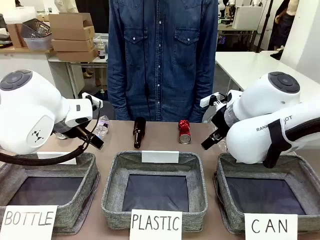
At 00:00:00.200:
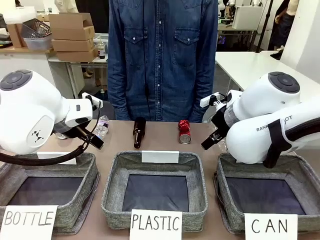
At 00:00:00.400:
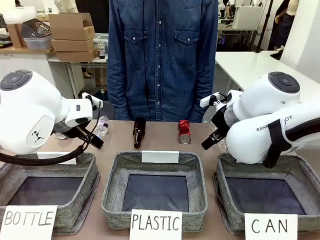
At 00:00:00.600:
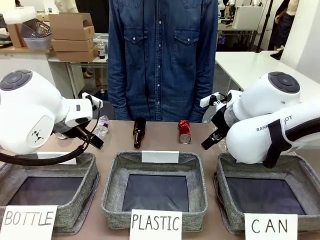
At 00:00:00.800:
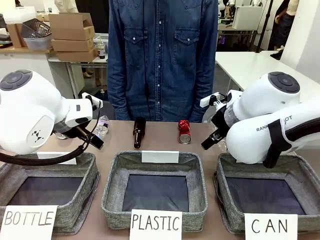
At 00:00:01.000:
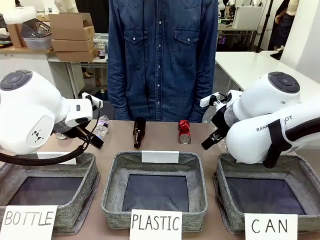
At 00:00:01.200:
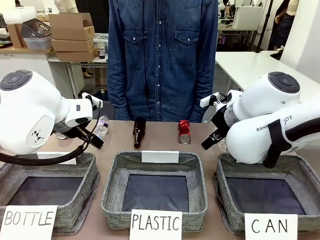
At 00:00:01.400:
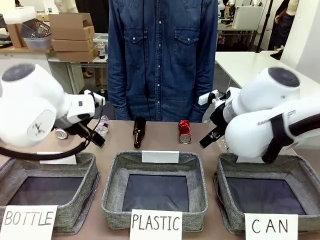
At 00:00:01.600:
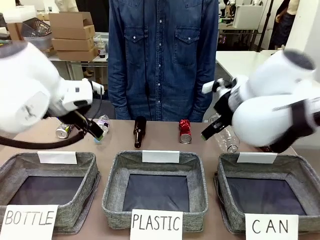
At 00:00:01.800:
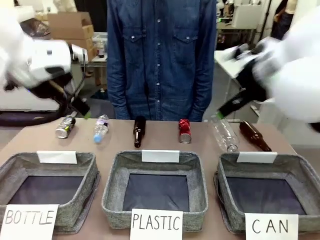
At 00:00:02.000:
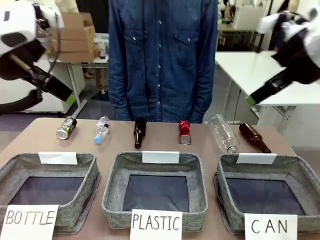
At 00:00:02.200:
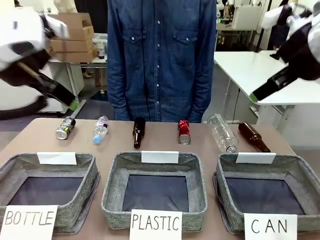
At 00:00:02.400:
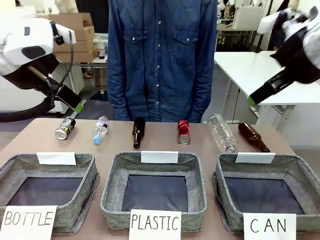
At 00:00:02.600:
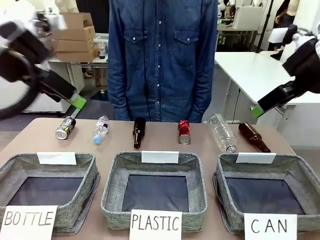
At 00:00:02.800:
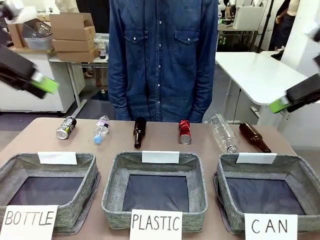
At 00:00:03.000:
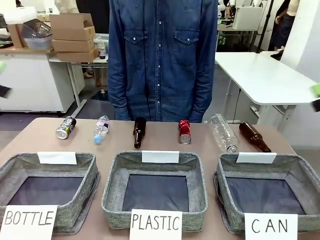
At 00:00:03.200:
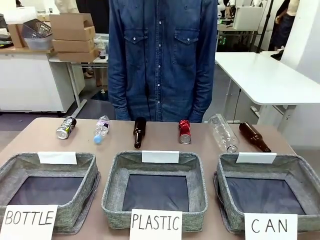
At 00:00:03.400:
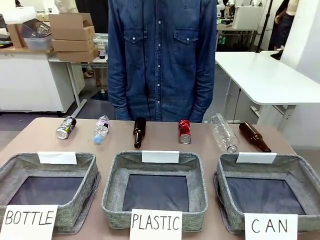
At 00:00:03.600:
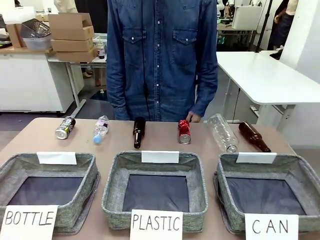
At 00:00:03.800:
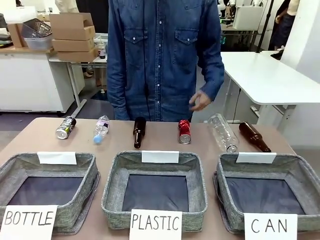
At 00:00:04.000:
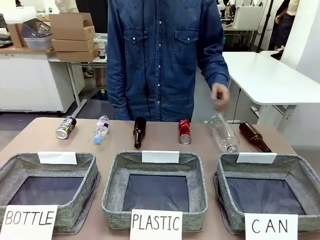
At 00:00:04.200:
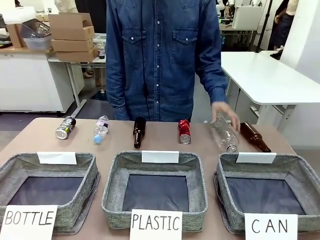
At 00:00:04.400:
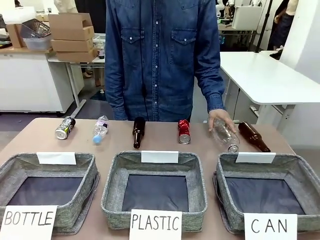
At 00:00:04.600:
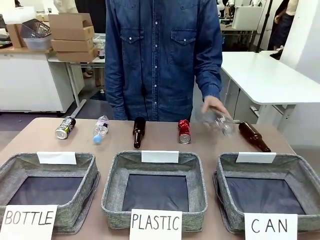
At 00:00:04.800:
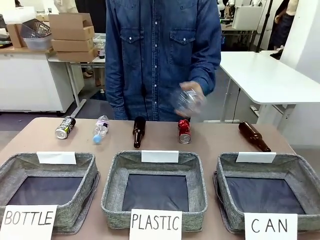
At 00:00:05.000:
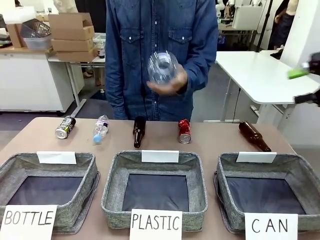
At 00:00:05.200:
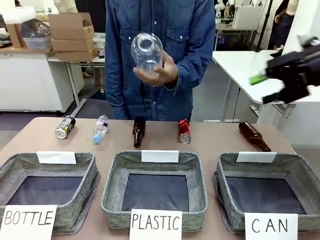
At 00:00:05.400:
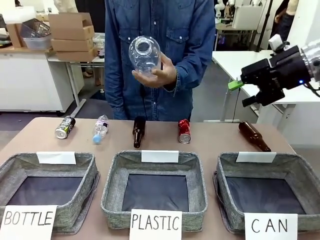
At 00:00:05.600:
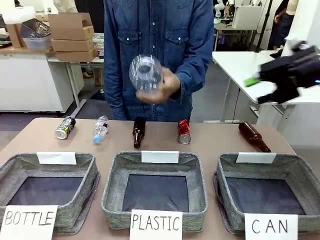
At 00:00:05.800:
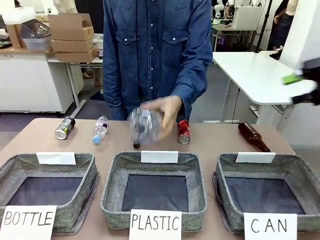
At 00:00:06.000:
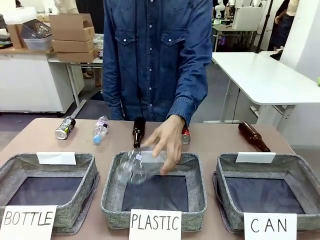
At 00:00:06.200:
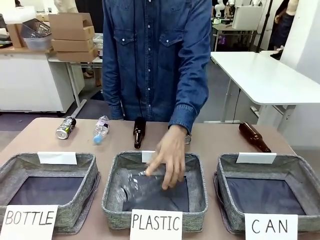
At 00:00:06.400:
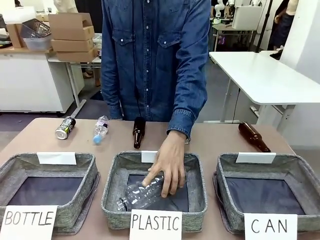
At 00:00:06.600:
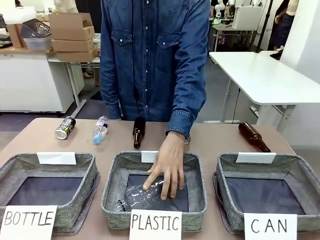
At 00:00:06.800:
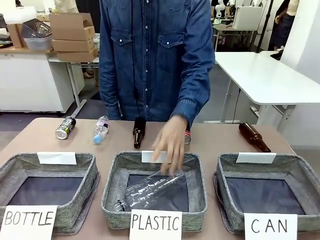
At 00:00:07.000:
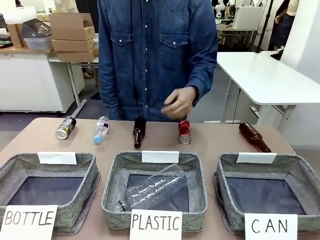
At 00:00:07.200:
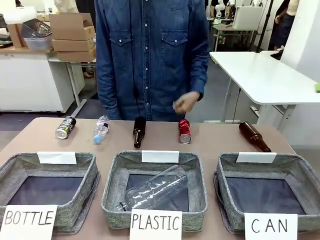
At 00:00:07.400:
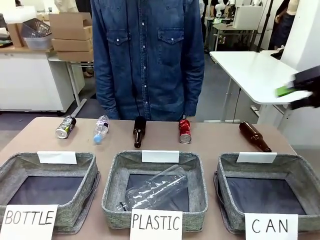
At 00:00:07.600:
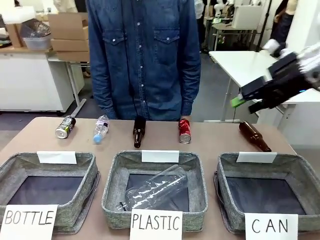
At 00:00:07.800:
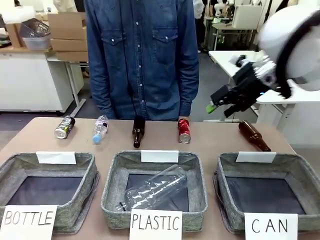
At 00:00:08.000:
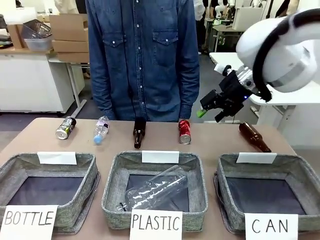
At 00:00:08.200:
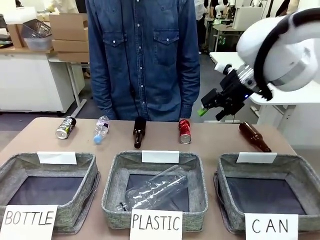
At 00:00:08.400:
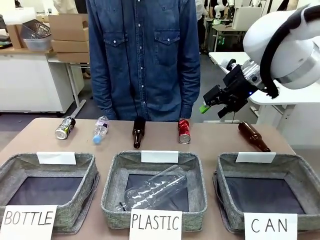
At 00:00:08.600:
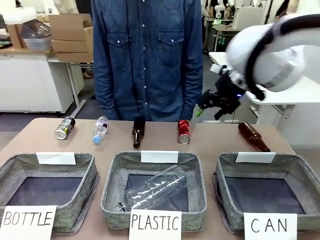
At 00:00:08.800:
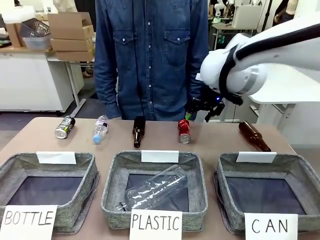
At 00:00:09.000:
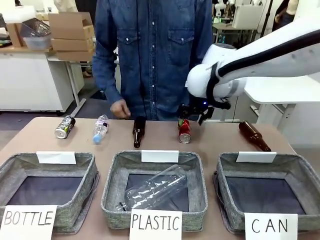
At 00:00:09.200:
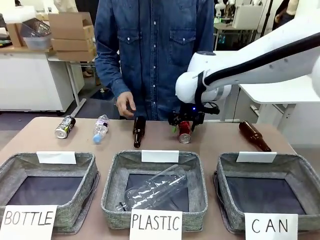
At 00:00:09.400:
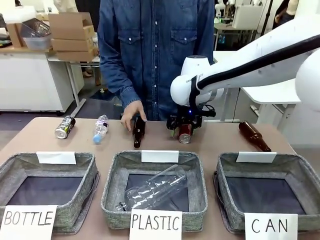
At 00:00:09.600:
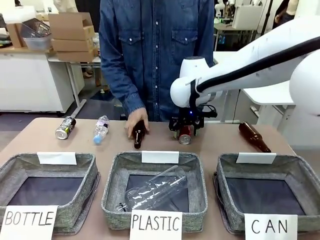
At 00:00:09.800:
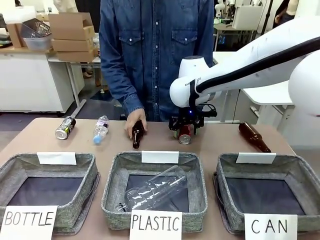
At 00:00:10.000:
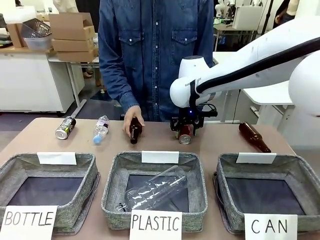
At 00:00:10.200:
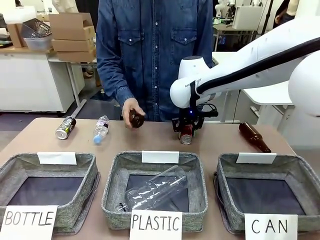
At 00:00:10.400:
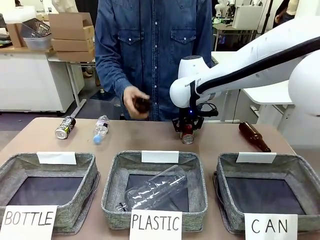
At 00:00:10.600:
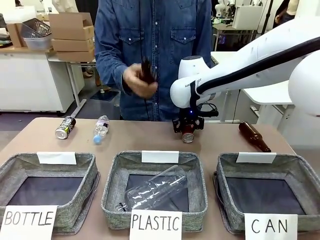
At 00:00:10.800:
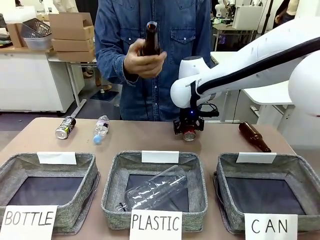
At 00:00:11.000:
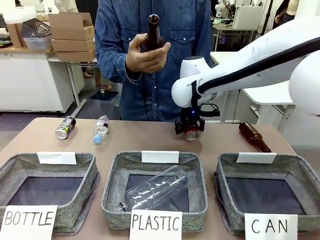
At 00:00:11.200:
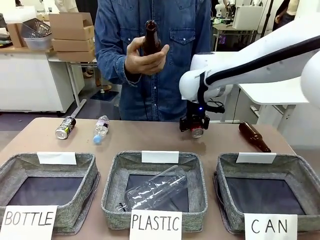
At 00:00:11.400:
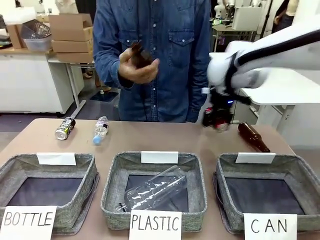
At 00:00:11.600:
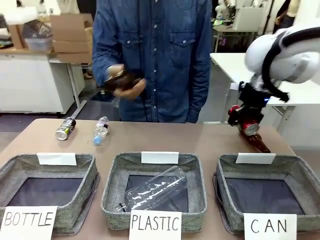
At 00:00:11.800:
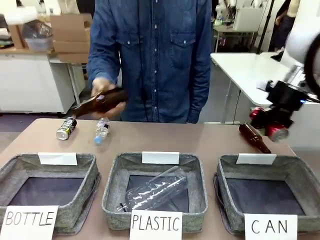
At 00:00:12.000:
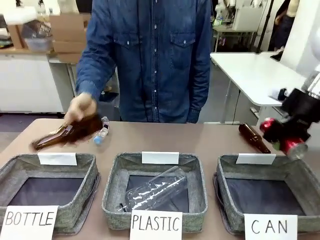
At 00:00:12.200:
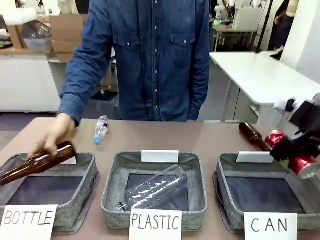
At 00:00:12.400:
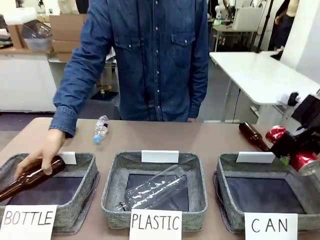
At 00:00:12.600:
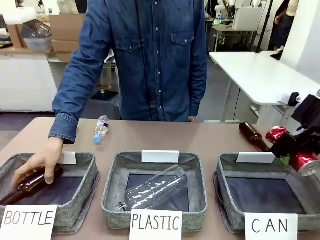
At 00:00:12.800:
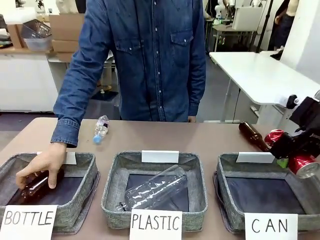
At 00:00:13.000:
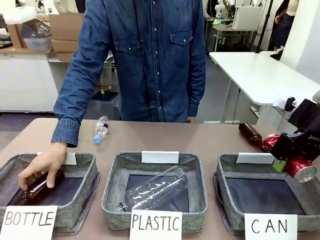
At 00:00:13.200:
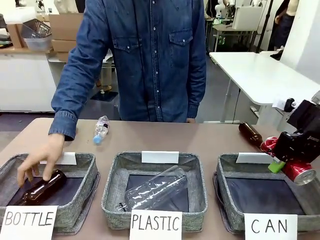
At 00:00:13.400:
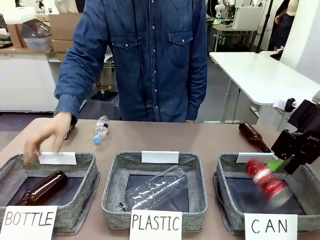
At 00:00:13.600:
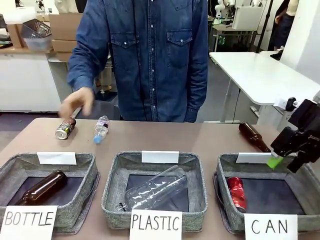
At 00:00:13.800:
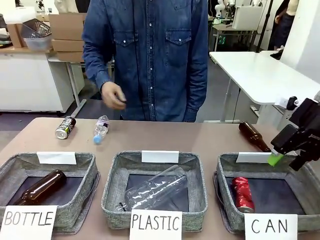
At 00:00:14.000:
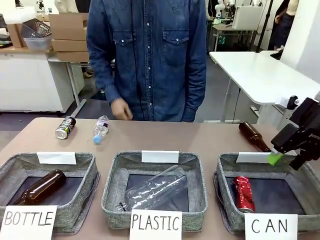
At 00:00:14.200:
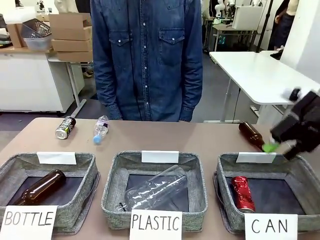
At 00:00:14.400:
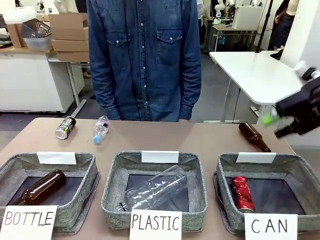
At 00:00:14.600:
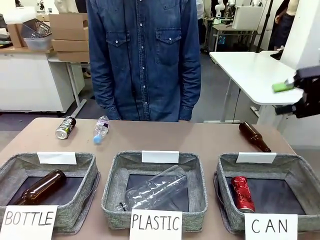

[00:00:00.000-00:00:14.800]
Task: Sort the can waste into the basket.
Robot: Pick up the can waste from the table and place it in the right Fabric basket.
